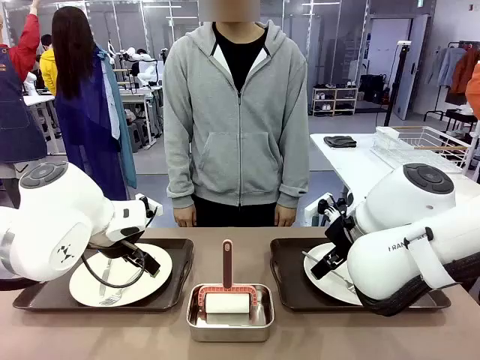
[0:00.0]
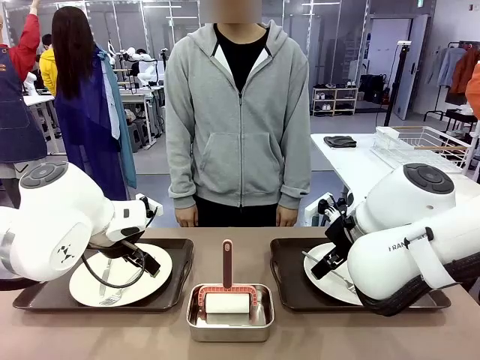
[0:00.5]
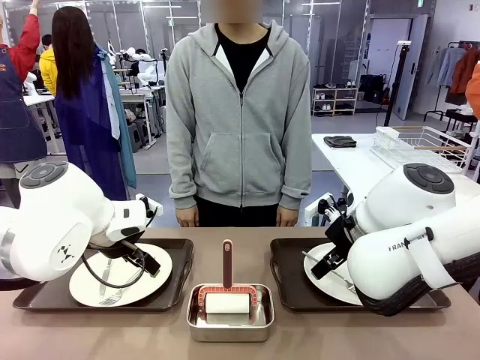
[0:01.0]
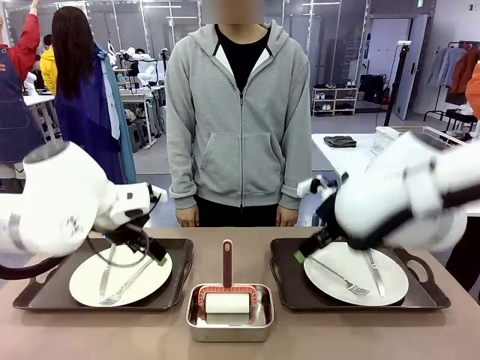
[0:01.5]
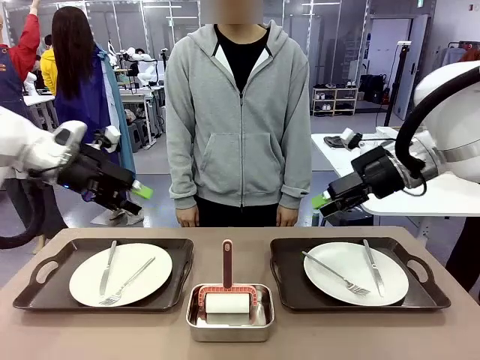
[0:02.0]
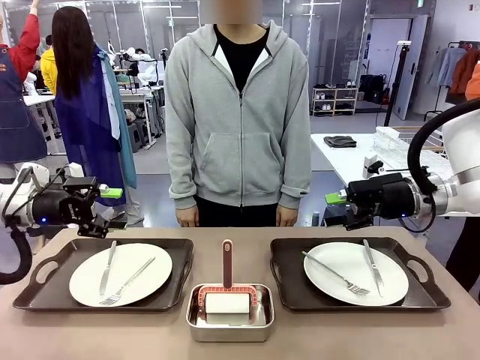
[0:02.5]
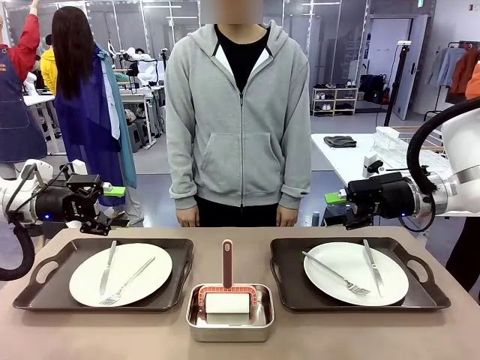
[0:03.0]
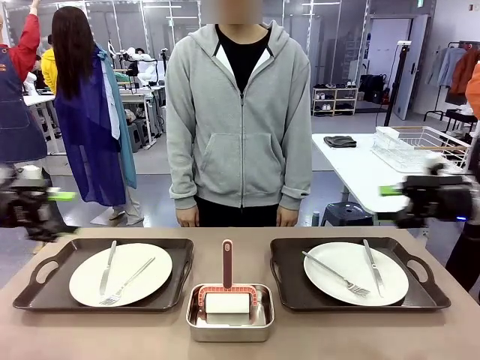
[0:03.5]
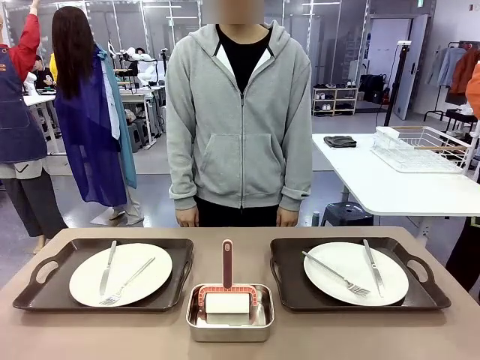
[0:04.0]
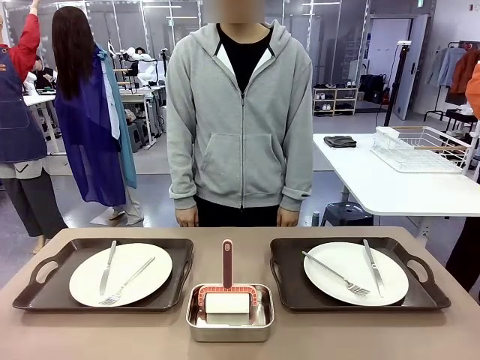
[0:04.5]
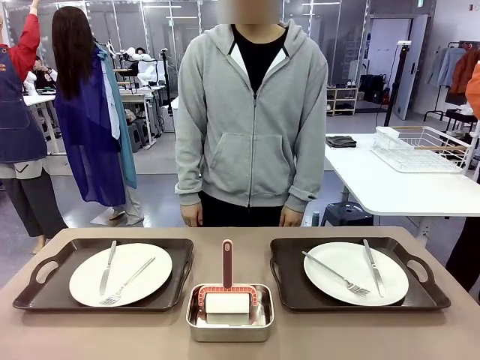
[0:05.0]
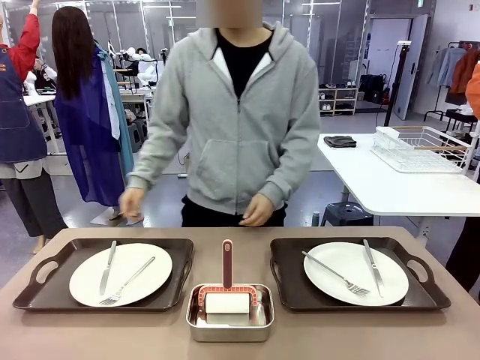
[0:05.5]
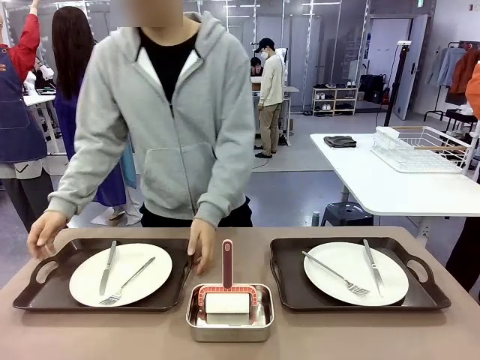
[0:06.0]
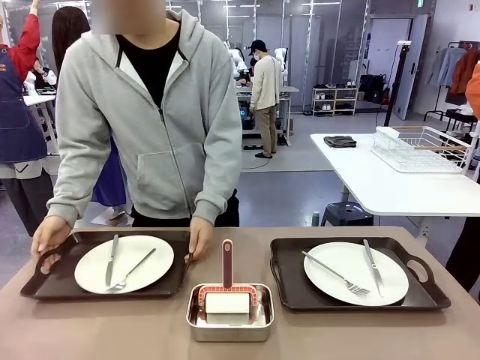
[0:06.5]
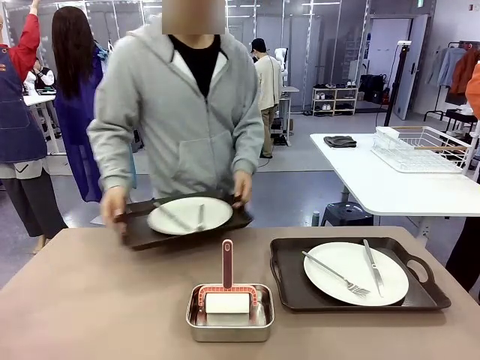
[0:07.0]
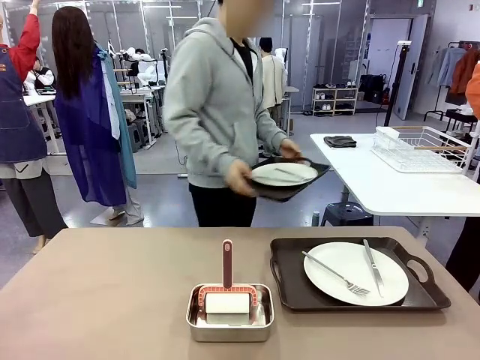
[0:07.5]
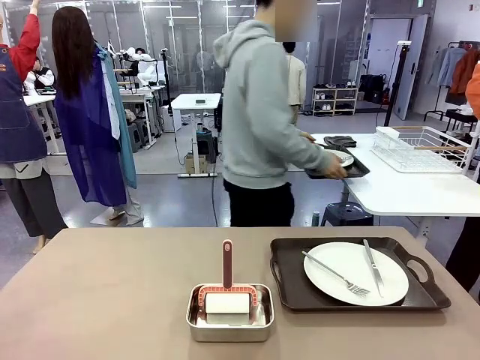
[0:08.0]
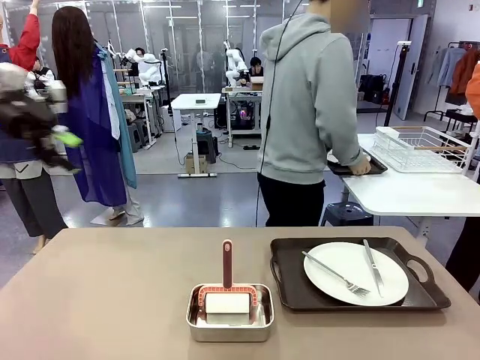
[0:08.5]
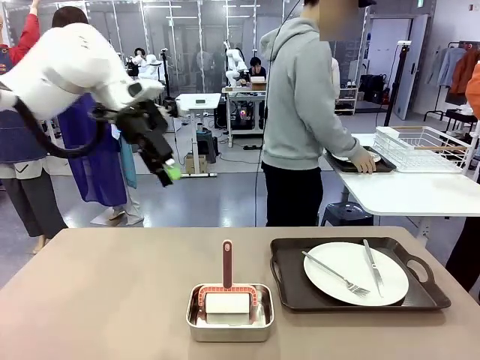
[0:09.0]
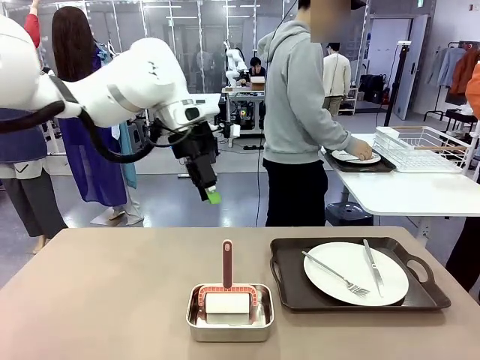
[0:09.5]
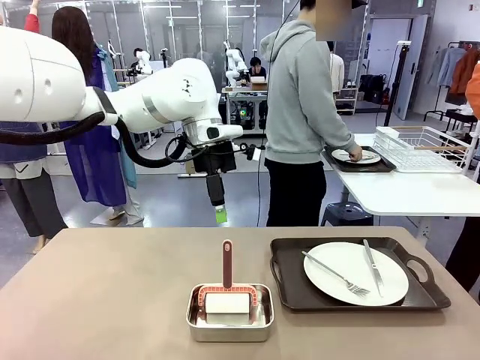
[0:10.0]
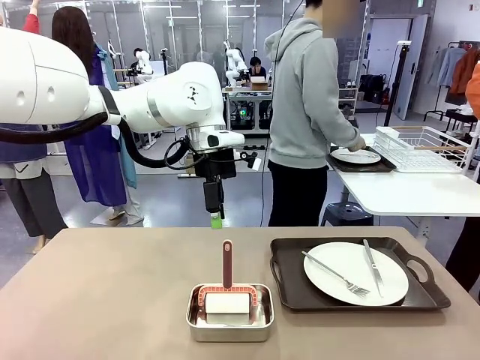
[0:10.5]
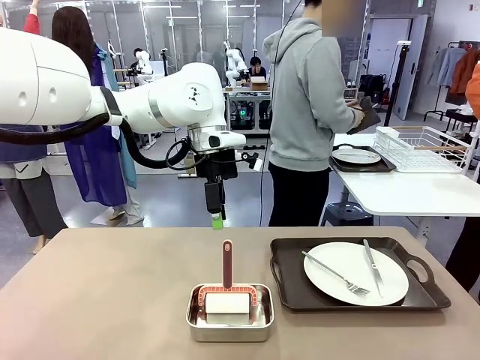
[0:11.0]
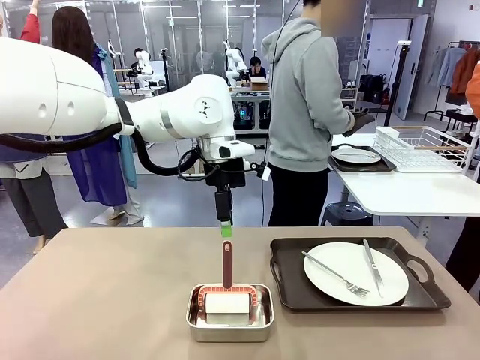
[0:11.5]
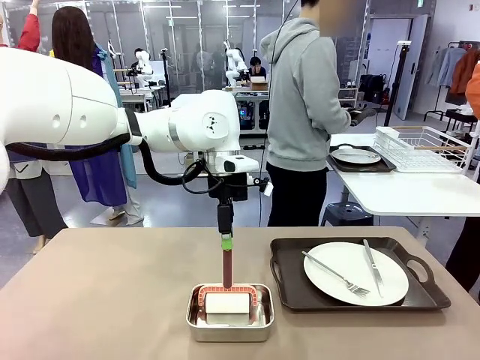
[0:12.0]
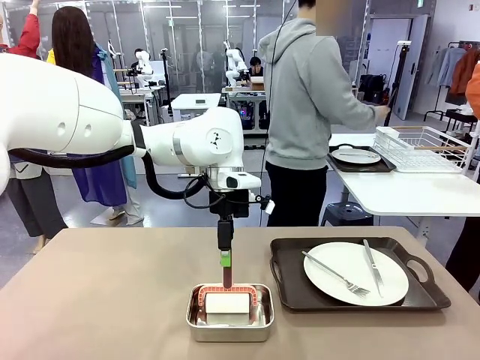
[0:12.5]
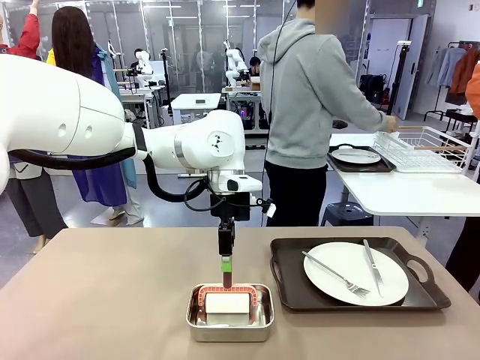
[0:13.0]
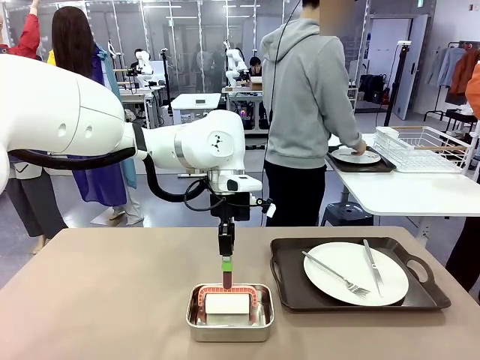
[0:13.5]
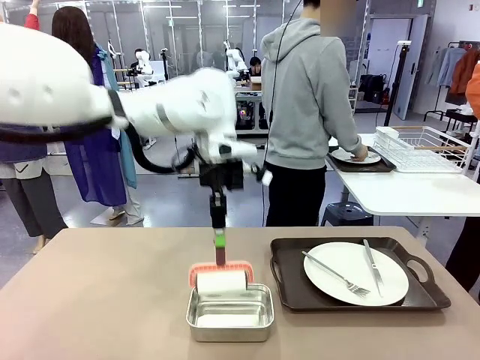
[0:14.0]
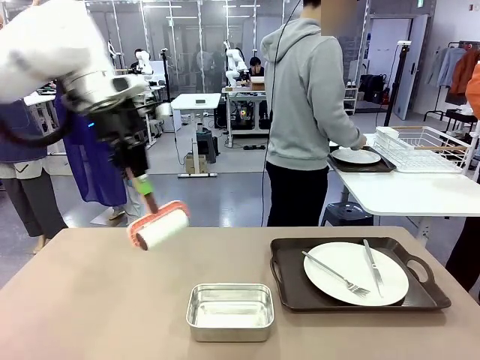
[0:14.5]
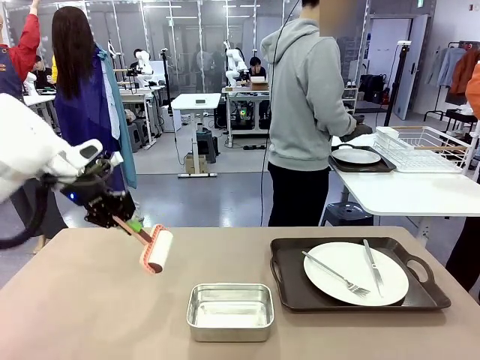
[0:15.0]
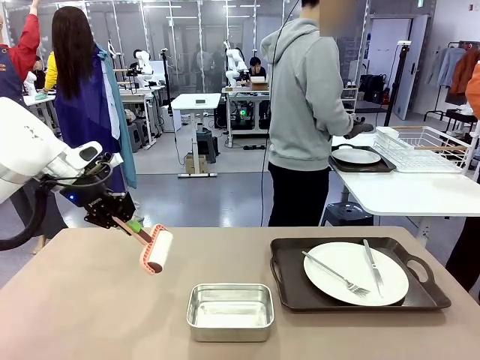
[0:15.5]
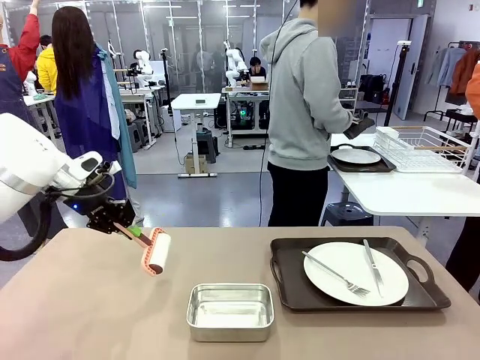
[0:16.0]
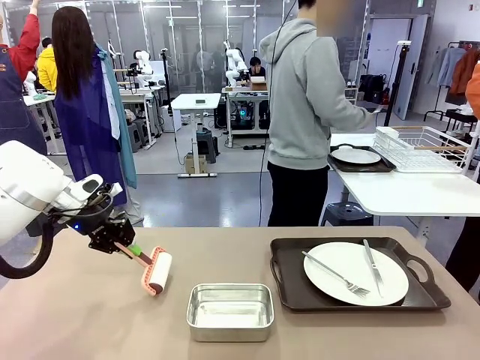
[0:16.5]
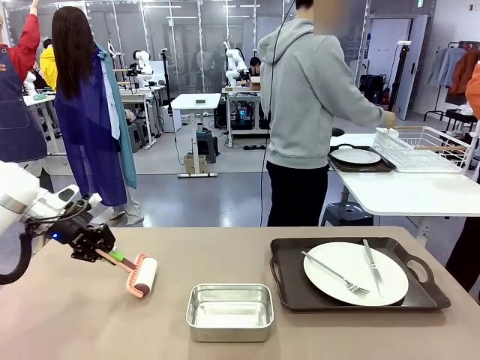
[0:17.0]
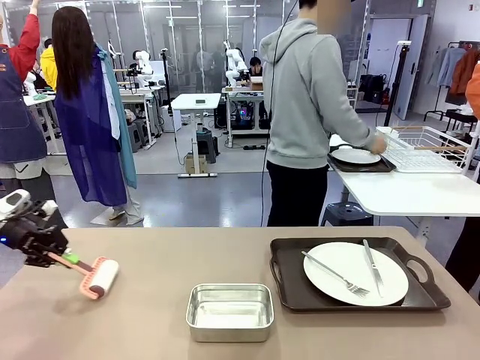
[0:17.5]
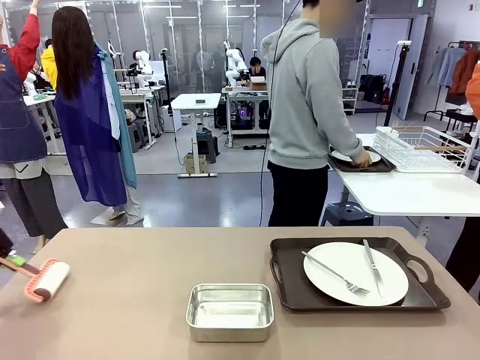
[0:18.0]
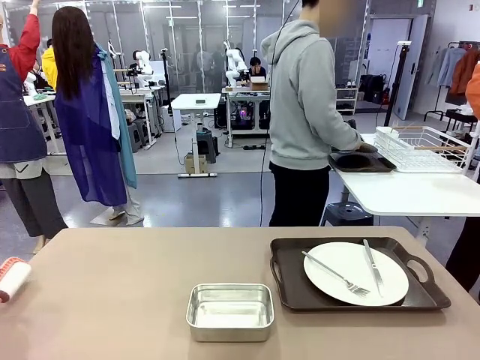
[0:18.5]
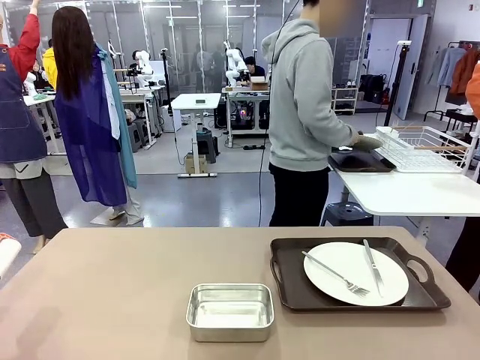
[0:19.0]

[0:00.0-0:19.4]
Robot: When the left (or right) Handle tray is removed, use the left hand (or right hand) to clean the left (or right) side of the table with the Lint Roller.
Person: Pick up the left (or right) Handle tray and place it on the middle of the Human's table. Use the Towel with hook to wipe the Plastic Matte Plate , Fork , and Knife and place into the Dish drying rack.

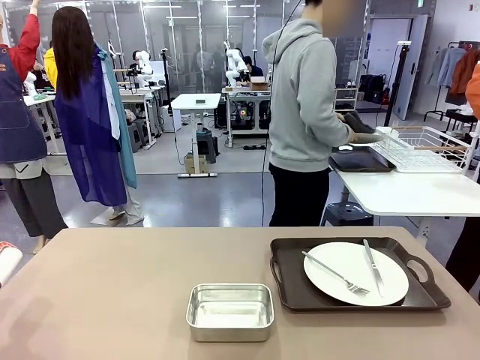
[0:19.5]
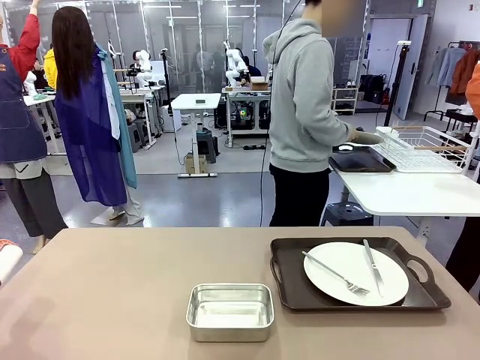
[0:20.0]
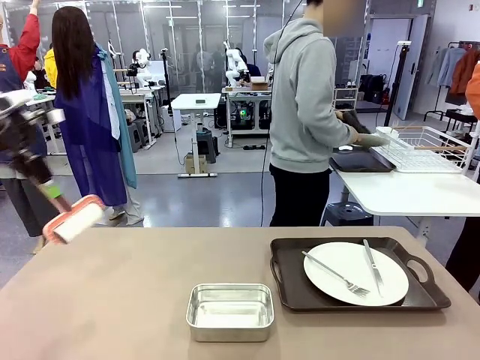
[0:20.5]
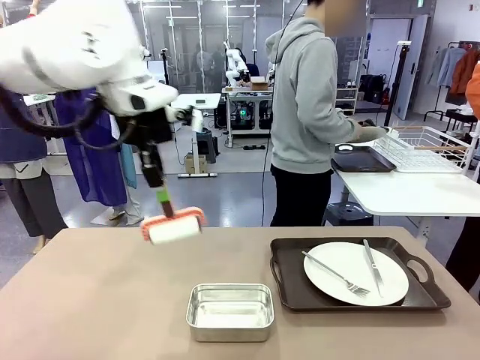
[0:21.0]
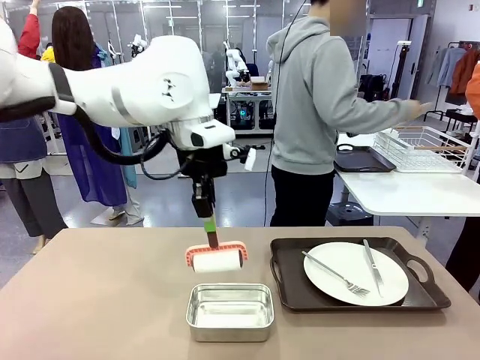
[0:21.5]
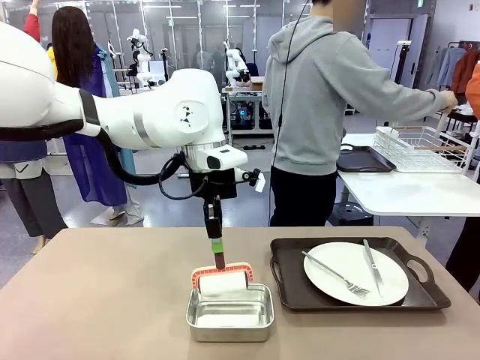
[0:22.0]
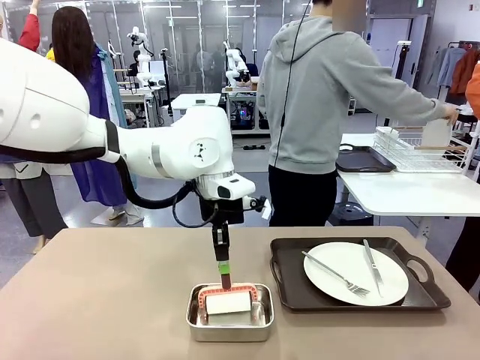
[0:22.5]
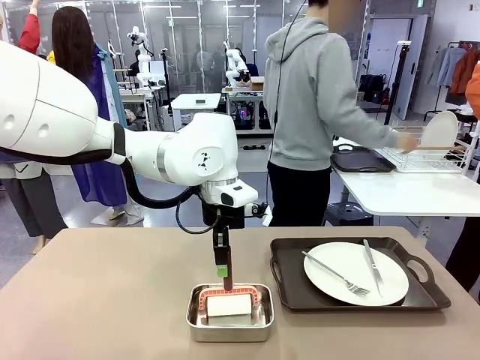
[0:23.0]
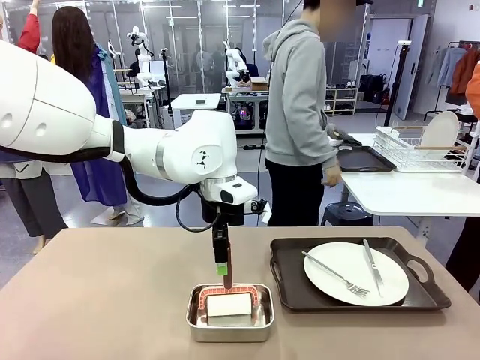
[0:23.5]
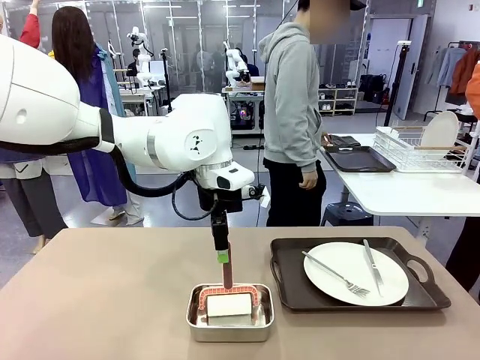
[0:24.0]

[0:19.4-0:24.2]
Robot: Place the Lint Roller back on top of the Airtight Container.
